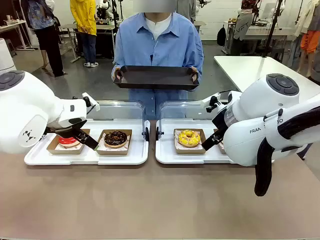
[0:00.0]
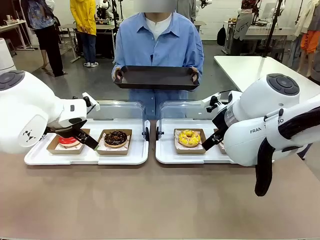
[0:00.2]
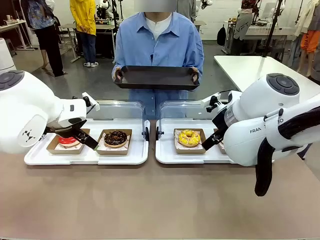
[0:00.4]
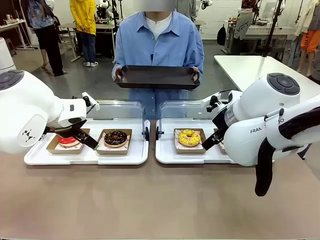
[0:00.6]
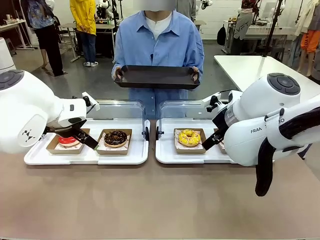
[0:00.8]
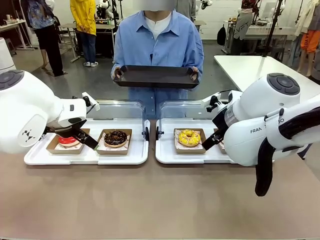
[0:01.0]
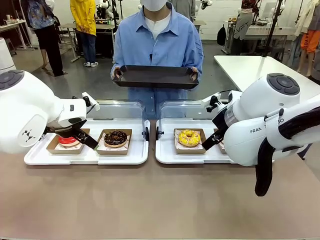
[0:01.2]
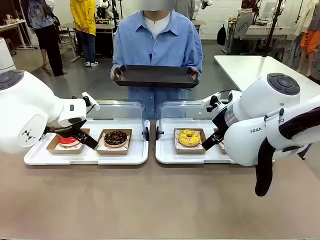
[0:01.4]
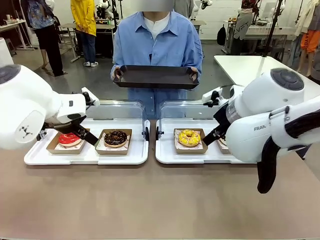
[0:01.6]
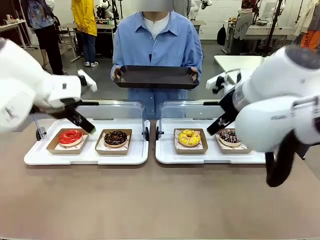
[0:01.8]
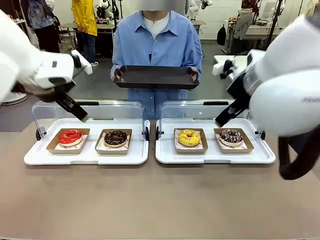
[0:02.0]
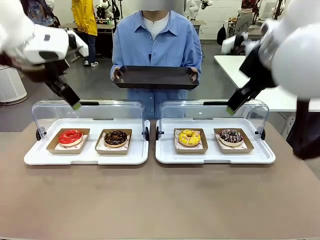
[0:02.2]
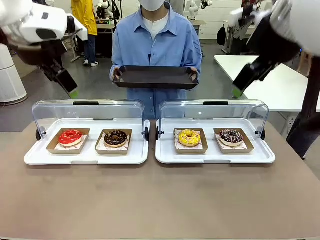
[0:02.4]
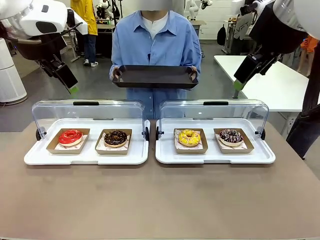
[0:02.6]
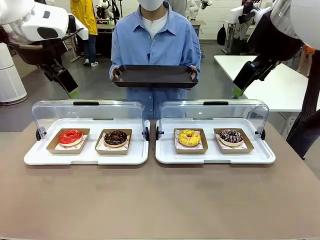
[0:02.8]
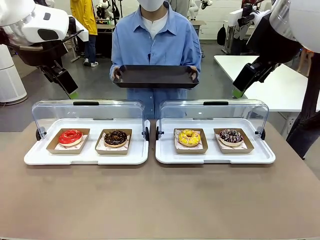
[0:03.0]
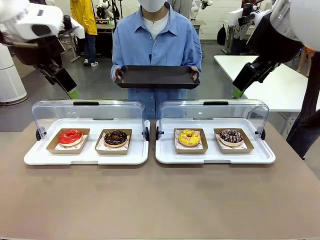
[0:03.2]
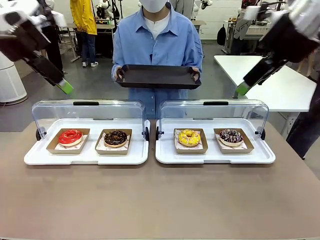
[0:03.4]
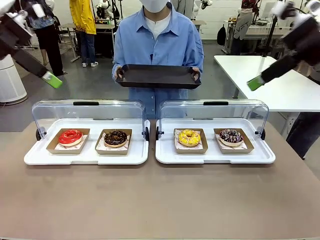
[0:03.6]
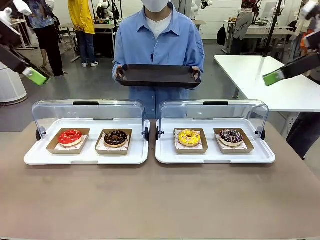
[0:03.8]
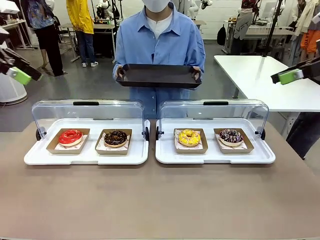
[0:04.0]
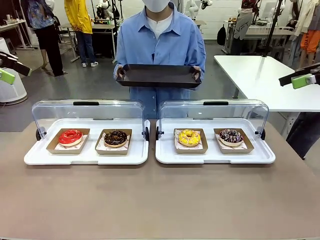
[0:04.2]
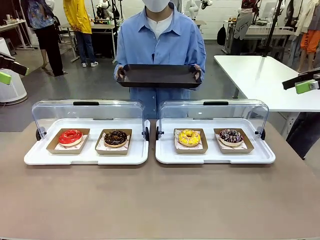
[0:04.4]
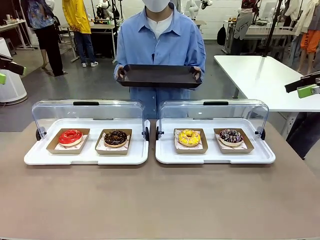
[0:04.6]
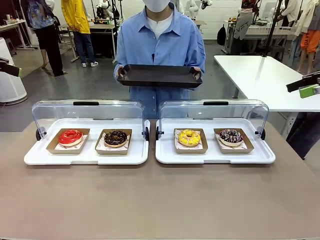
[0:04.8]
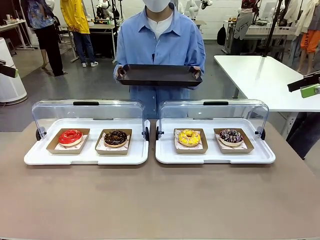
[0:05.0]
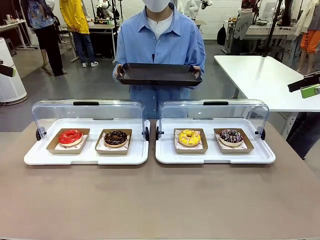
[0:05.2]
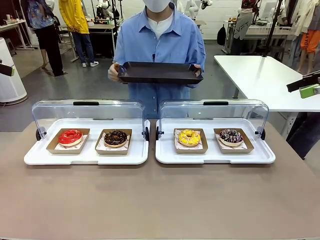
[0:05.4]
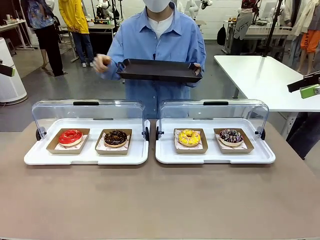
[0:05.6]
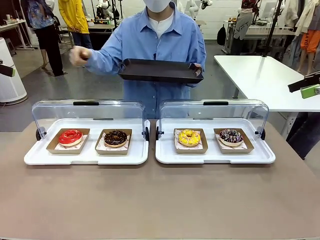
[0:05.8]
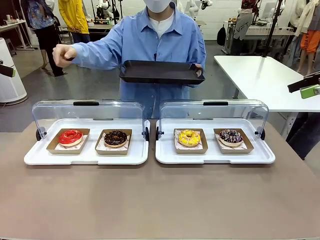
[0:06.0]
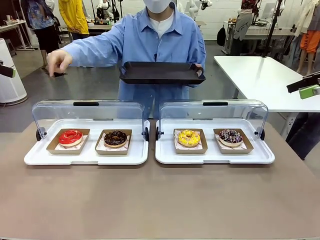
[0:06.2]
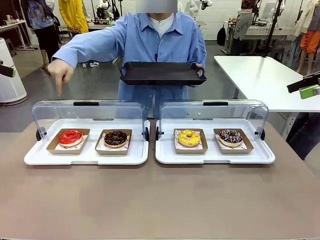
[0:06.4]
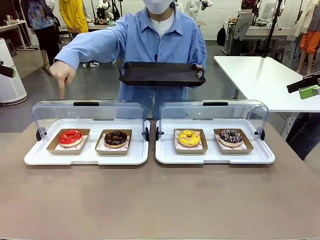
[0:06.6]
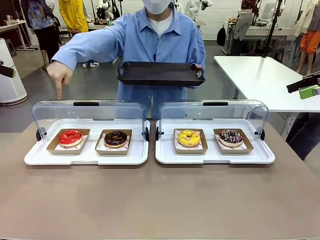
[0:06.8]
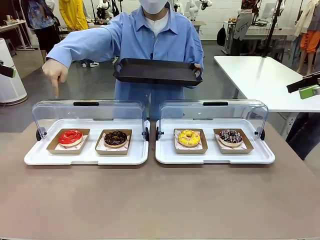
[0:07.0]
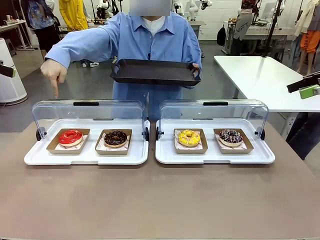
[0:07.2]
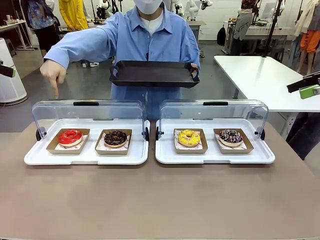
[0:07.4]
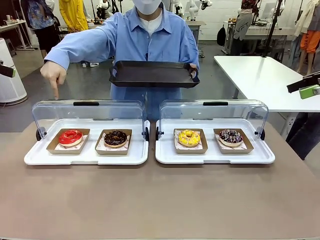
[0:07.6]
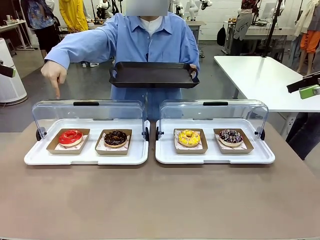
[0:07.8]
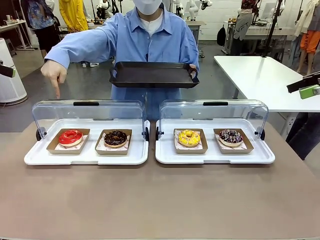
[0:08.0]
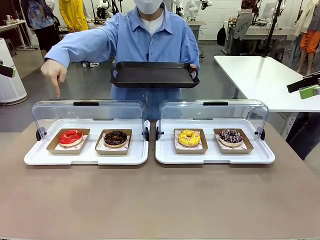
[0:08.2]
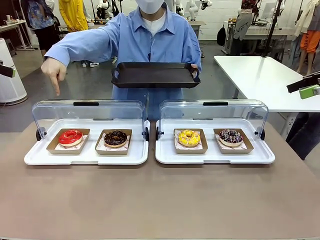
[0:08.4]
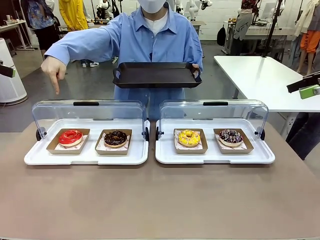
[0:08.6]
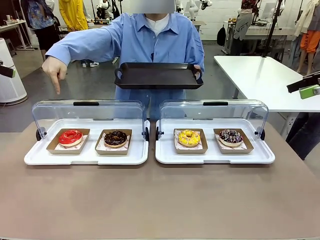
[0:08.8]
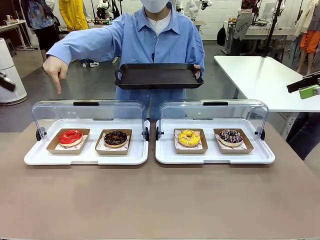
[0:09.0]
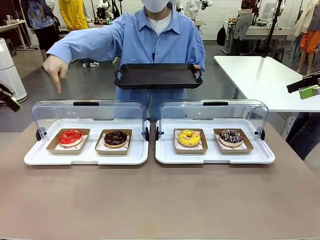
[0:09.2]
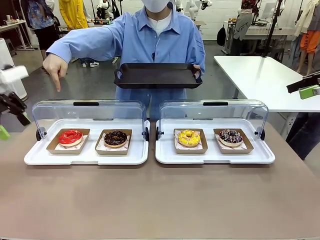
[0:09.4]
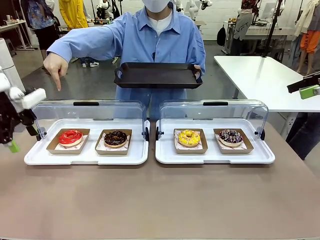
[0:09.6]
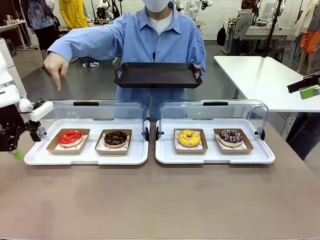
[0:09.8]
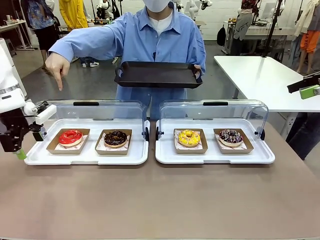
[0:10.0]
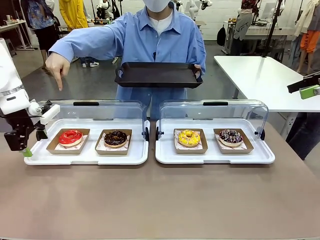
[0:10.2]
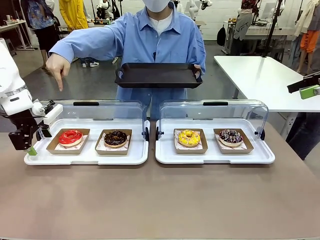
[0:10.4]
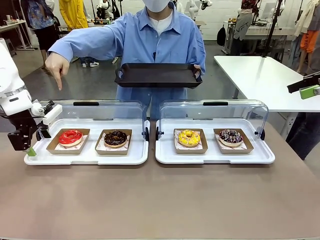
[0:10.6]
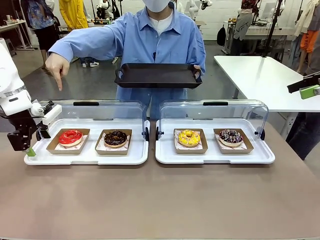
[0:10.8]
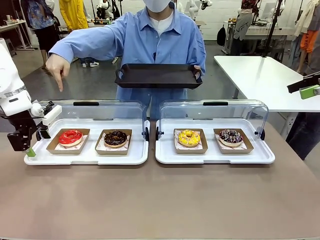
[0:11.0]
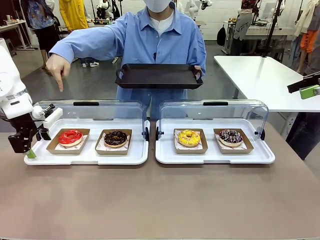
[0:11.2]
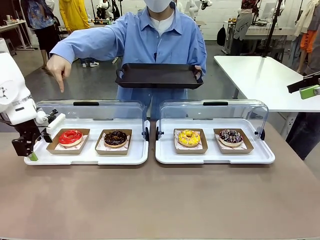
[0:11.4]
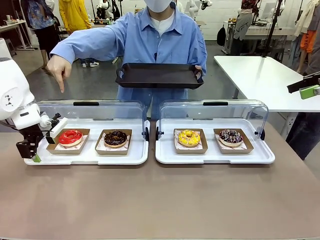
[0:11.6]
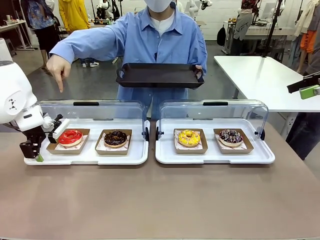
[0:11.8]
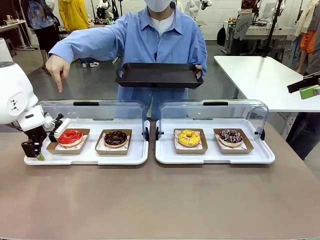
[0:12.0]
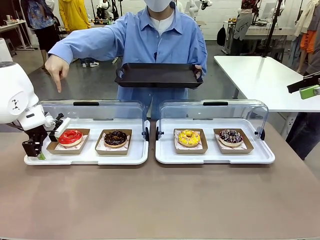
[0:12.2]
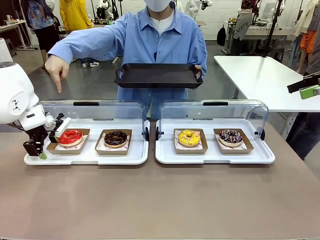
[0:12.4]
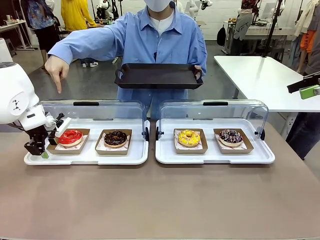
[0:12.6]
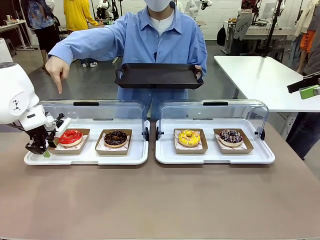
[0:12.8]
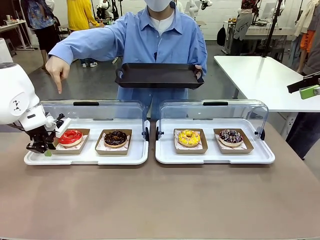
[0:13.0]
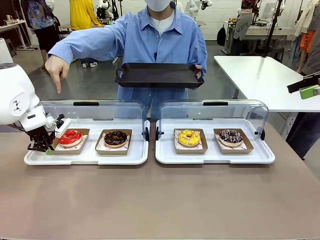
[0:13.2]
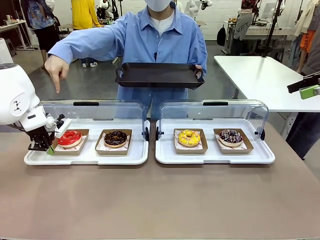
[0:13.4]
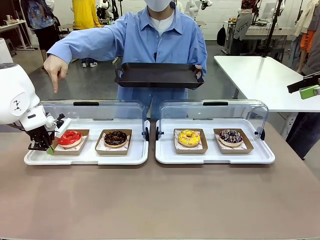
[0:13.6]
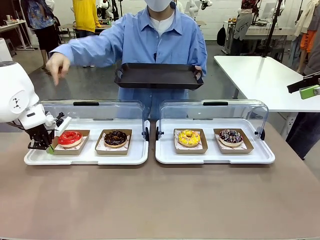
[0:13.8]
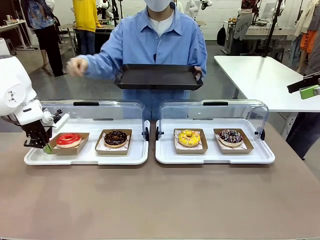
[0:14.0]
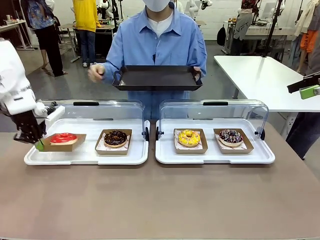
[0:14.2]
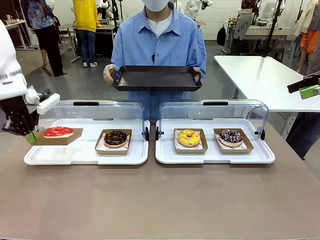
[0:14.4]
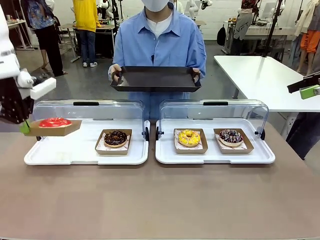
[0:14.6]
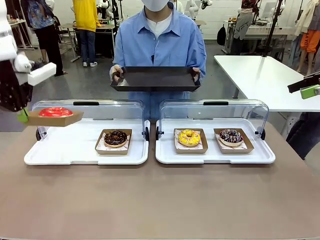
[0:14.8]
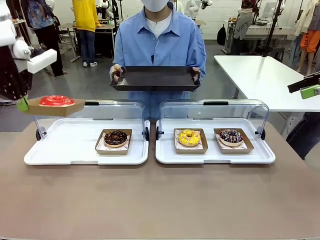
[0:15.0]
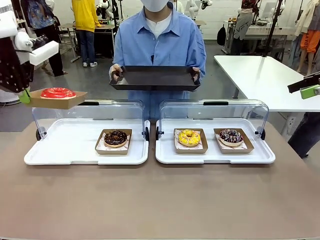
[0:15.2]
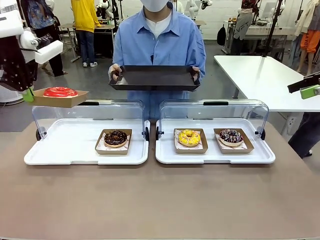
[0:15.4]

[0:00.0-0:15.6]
Task: Provide the desired donut to the person.
Robot: Pick up and lift the Paper togo box containing the Donut pointed at by the person.
Person: Point to one donut. Lift the tray onto the Roll-Top Bakery Case.

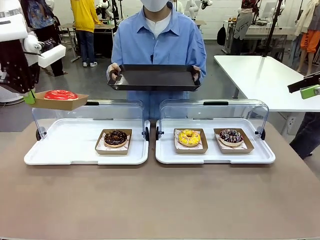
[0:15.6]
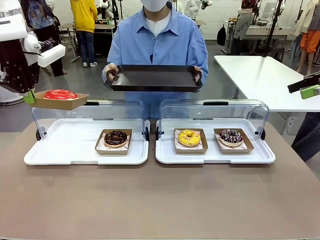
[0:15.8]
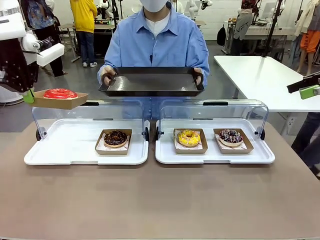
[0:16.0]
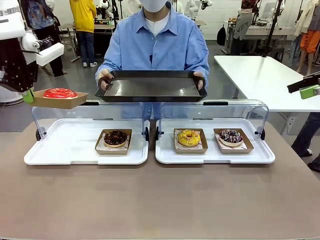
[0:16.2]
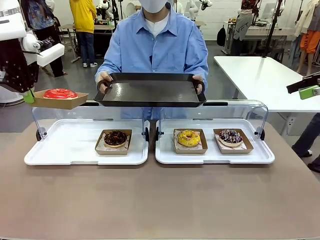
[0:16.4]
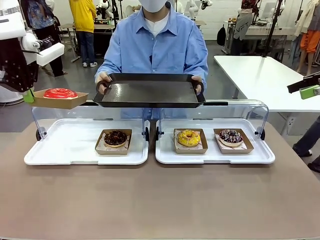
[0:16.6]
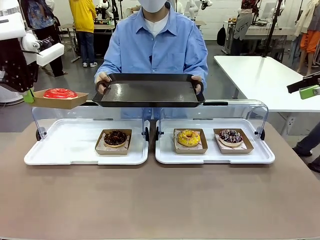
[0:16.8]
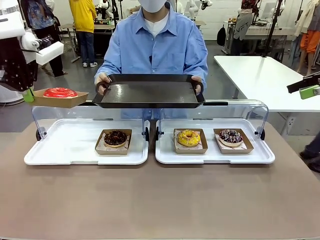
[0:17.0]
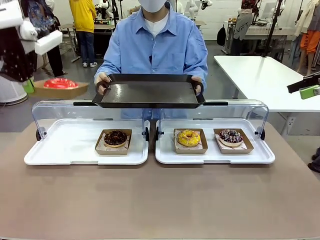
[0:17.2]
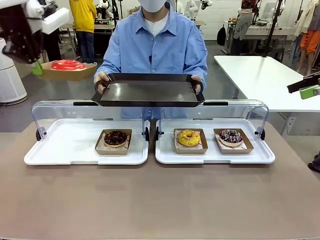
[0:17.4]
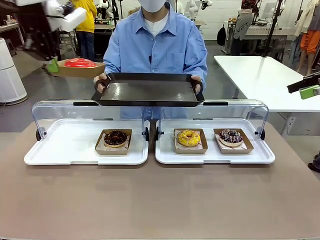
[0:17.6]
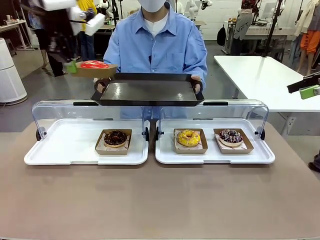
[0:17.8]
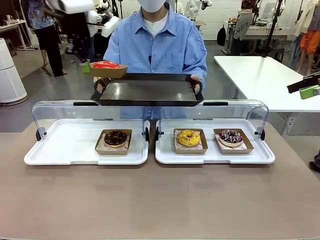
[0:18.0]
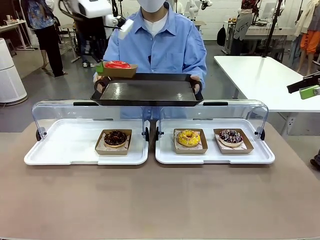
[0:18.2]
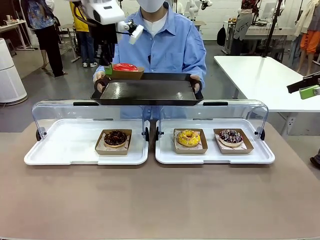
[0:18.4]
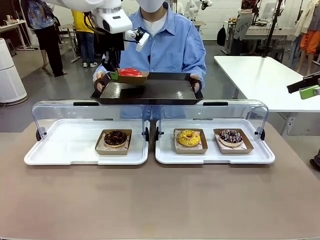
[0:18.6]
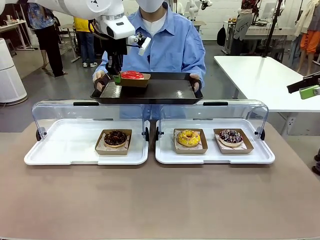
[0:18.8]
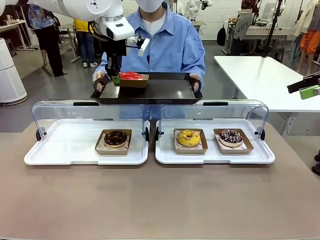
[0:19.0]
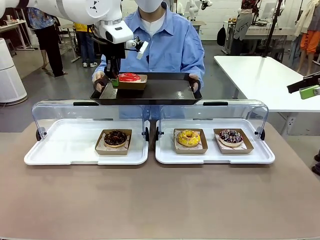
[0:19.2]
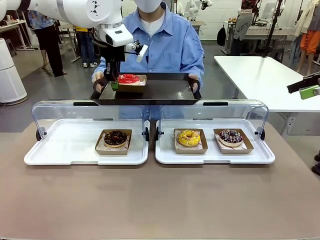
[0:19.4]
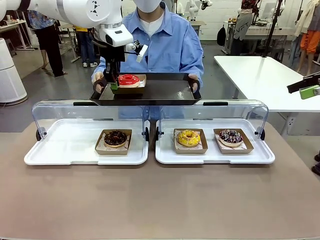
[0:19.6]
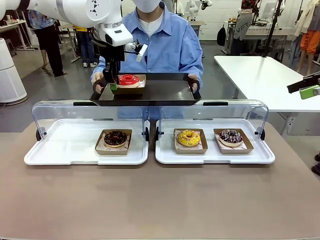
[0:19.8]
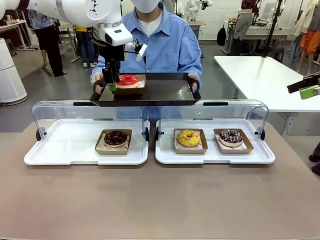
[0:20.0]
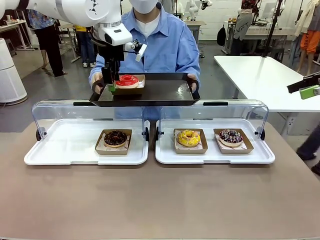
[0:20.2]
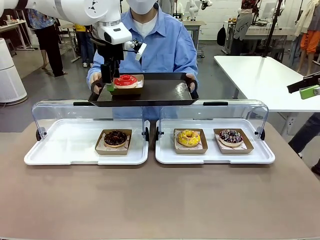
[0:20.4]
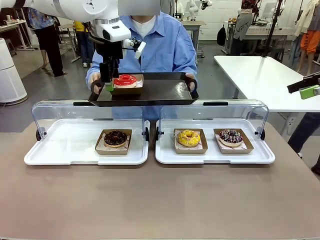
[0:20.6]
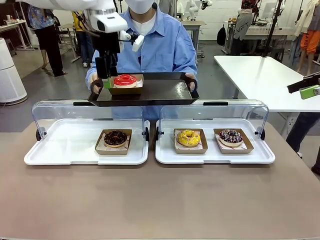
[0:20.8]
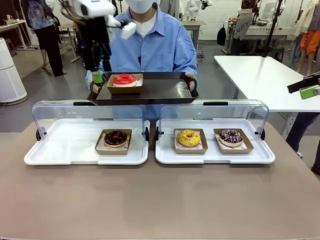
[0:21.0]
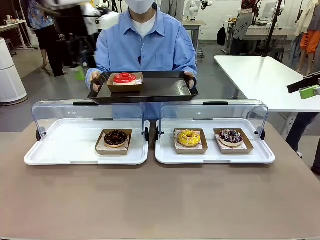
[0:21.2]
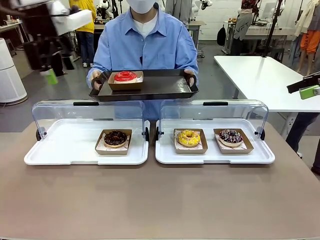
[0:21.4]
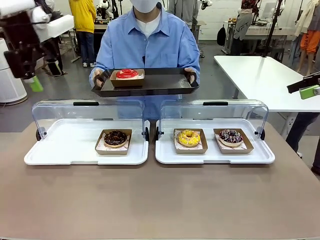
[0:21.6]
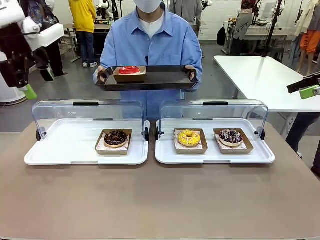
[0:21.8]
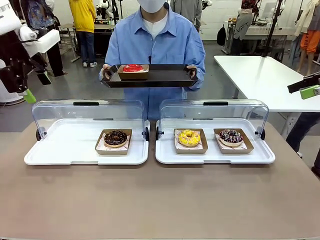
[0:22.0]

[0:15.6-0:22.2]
Robot: Place the picked Paper togo box onto the Handle tray extended by the person.
